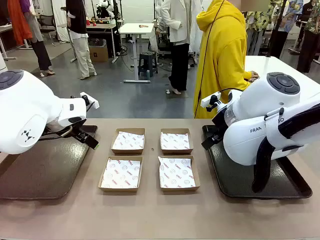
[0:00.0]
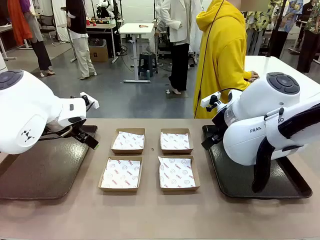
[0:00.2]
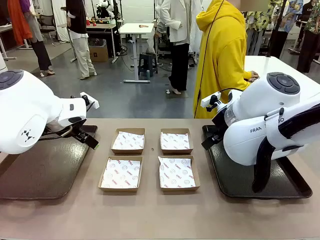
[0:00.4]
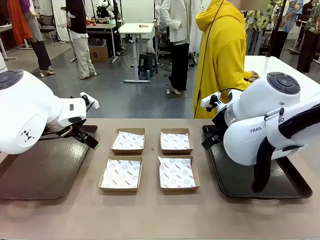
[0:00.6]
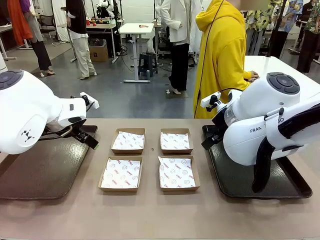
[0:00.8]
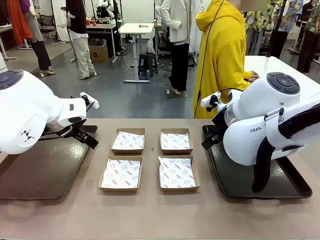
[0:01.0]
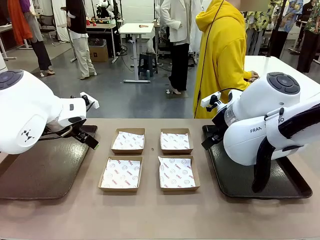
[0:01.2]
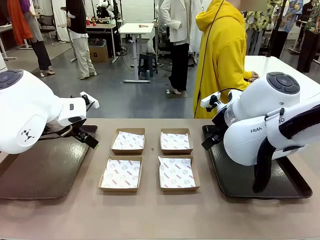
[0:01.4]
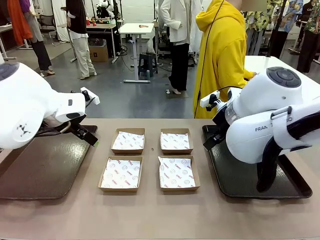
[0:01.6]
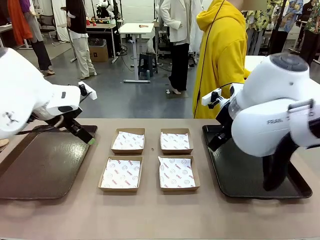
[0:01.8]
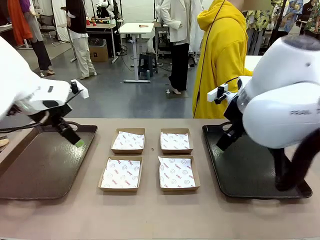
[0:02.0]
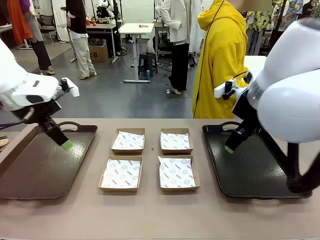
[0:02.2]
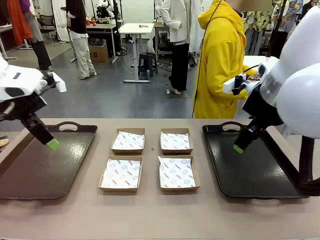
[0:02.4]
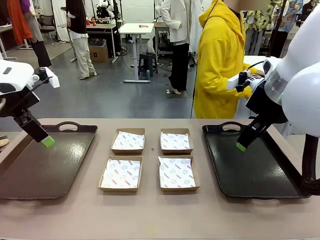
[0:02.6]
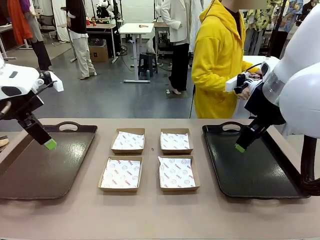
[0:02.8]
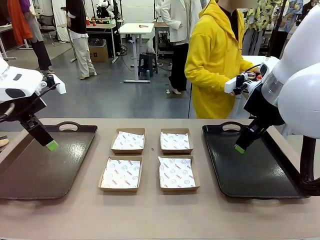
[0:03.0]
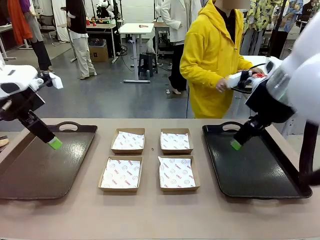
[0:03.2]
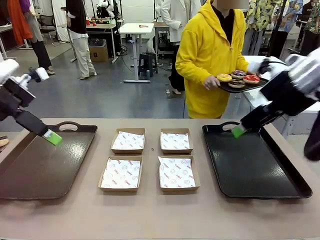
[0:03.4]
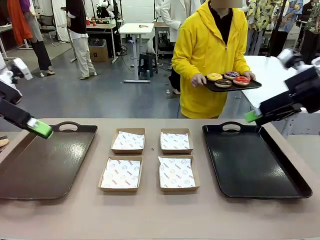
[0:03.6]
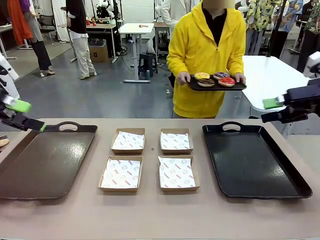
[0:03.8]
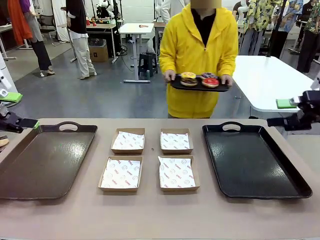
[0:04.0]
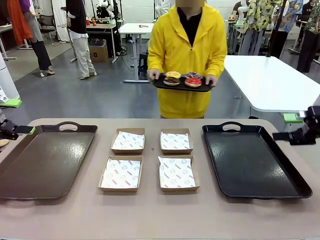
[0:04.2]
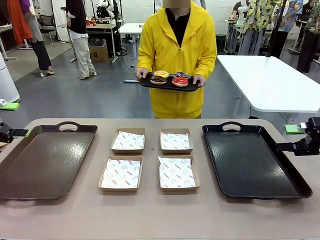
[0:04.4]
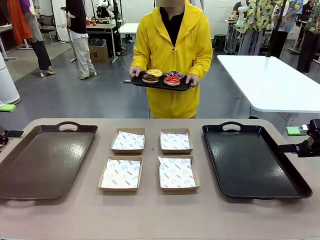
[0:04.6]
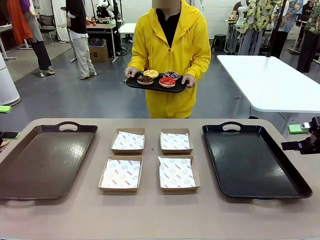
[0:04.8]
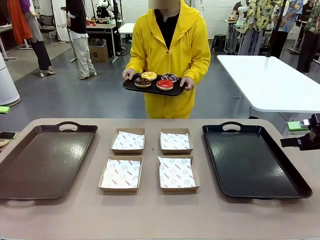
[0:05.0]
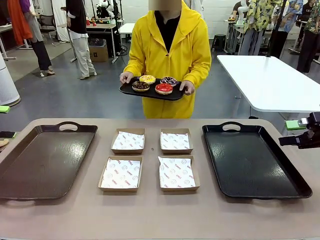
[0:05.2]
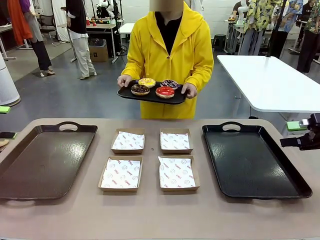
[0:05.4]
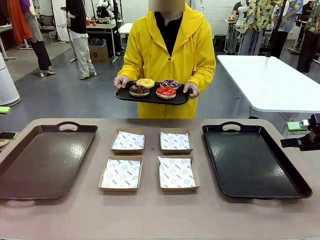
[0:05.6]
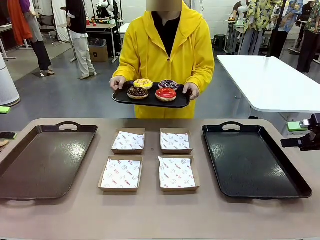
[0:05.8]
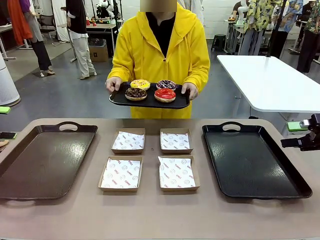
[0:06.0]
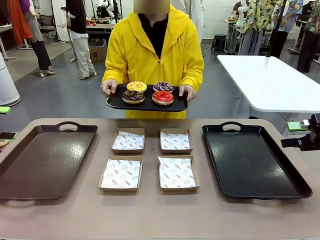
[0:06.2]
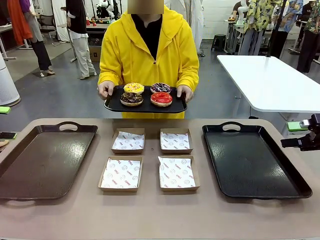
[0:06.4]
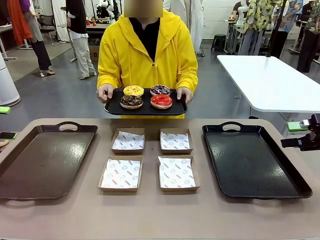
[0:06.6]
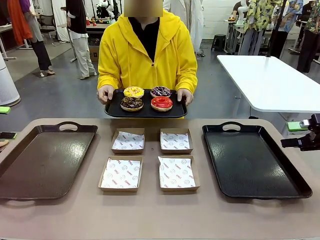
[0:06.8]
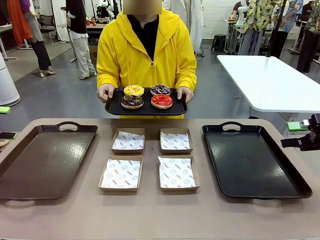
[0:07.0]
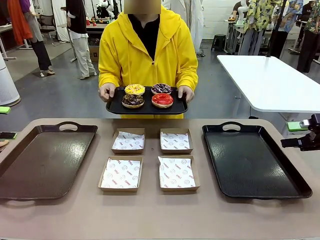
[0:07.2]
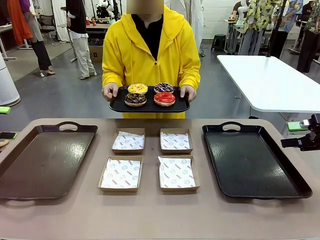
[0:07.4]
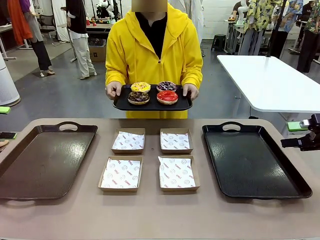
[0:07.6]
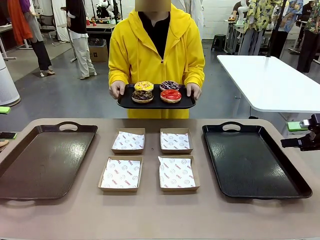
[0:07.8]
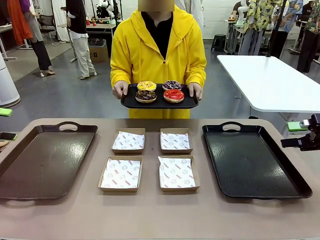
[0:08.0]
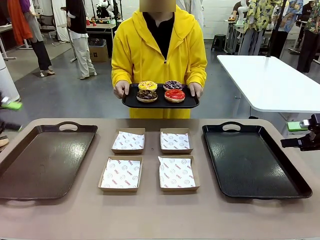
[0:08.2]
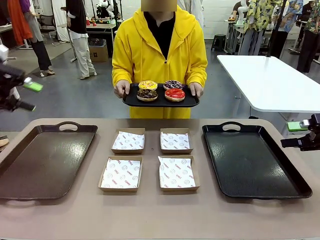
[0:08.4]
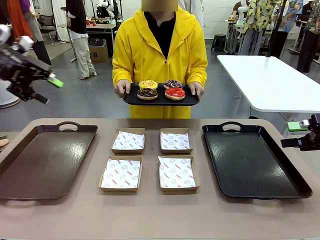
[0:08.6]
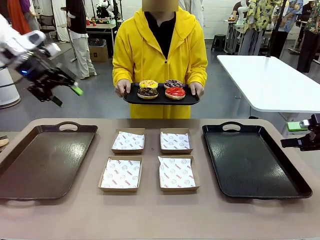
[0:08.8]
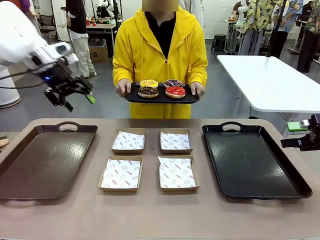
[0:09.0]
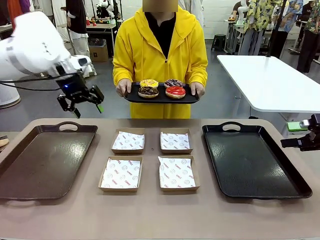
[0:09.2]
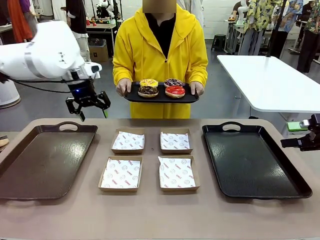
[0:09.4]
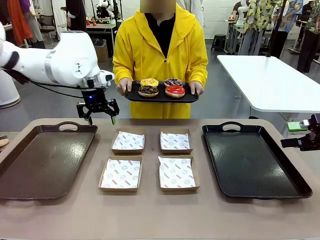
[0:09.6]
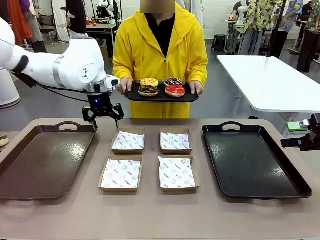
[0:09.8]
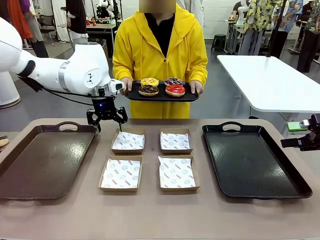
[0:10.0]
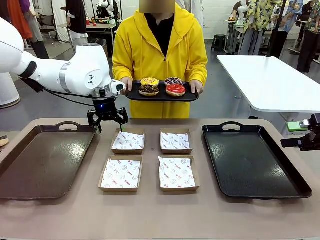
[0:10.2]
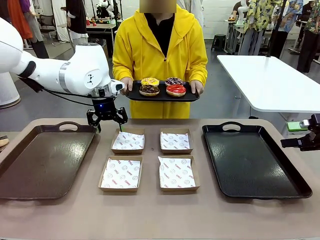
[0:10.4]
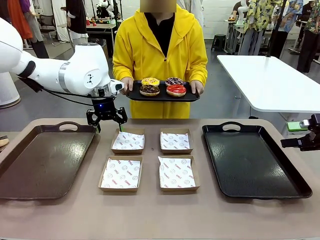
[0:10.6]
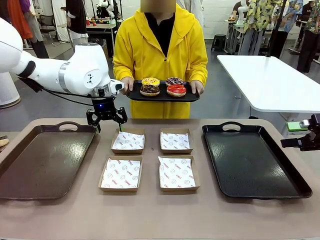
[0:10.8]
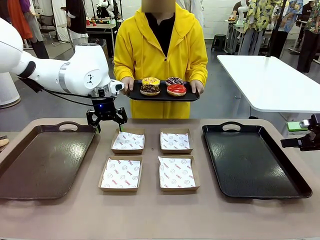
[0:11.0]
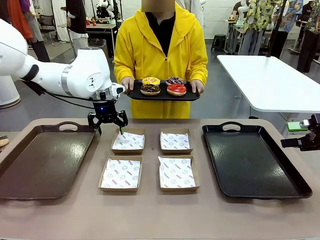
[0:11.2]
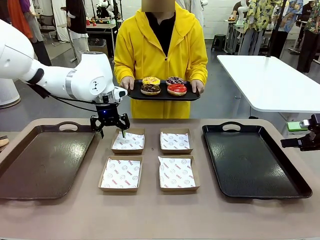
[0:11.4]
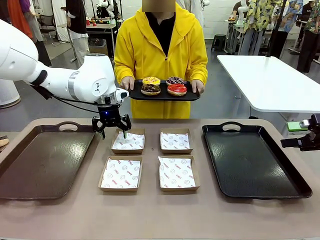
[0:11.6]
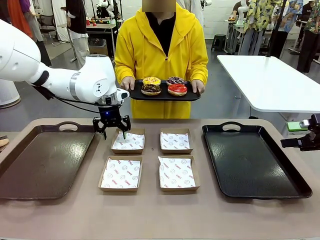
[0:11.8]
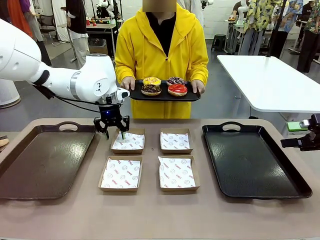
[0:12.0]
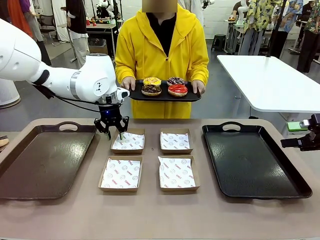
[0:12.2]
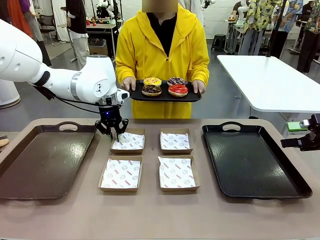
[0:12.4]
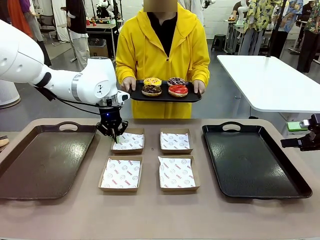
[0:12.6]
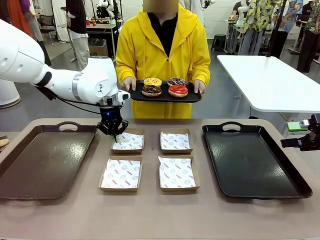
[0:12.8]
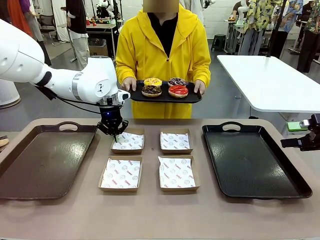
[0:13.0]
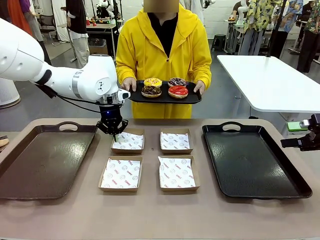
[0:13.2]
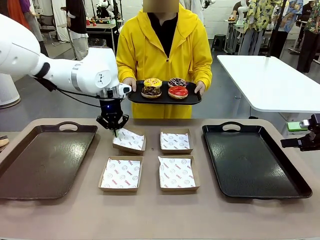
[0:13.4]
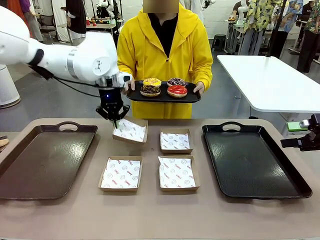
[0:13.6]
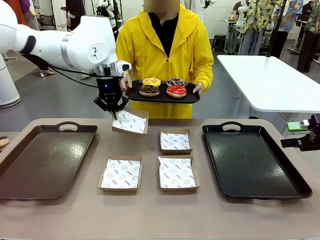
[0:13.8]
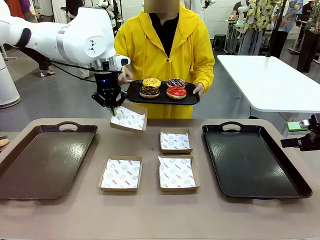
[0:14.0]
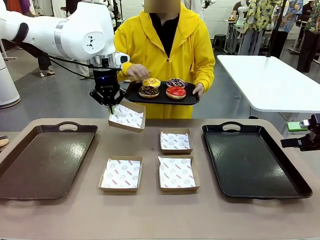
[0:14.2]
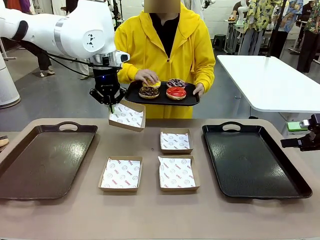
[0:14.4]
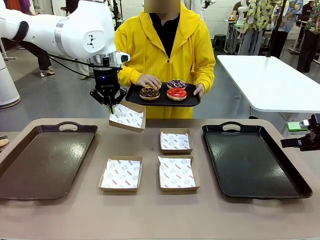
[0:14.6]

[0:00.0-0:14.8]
Task: Individually package the donuts and arrange them on the tray.
Robot: Pick up one Paper togo box.
Person: Stand in front of the robot table holding the tray containing the donuts.

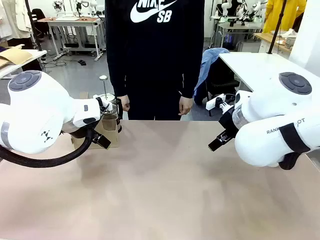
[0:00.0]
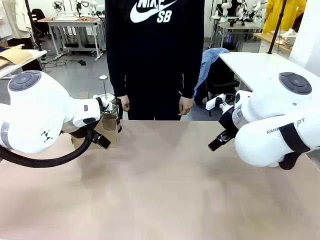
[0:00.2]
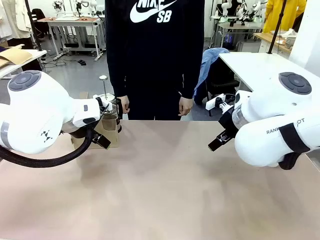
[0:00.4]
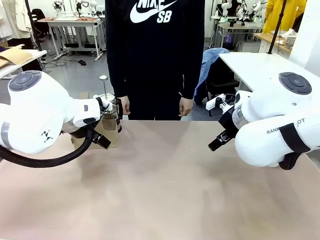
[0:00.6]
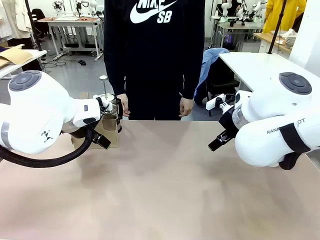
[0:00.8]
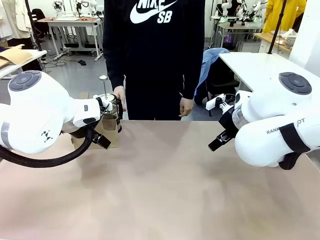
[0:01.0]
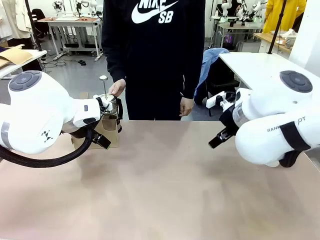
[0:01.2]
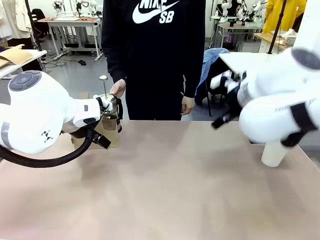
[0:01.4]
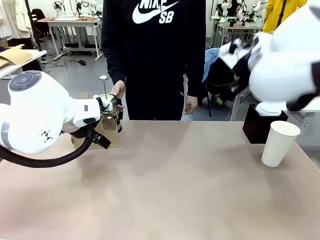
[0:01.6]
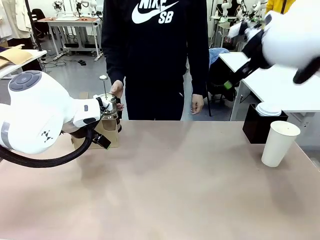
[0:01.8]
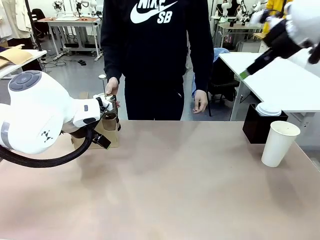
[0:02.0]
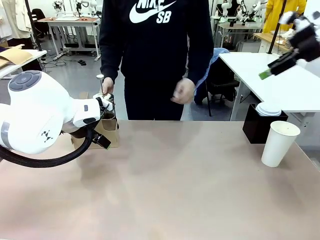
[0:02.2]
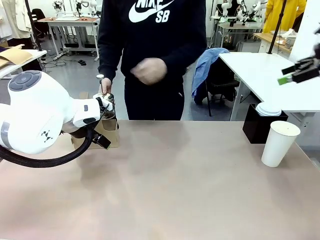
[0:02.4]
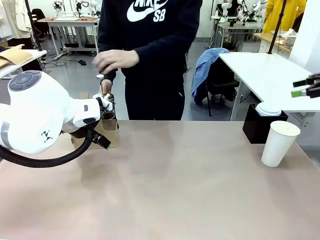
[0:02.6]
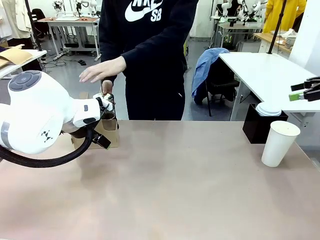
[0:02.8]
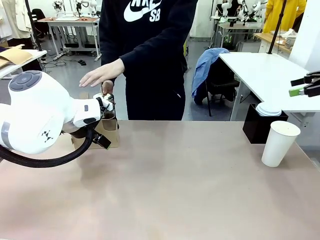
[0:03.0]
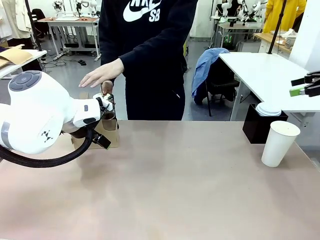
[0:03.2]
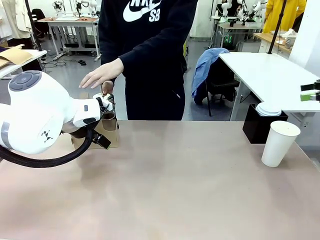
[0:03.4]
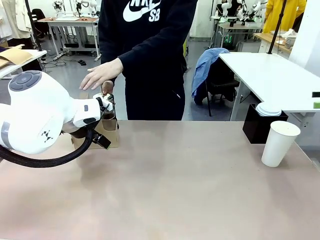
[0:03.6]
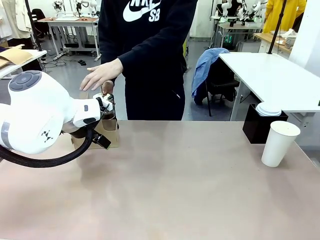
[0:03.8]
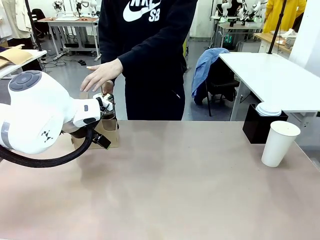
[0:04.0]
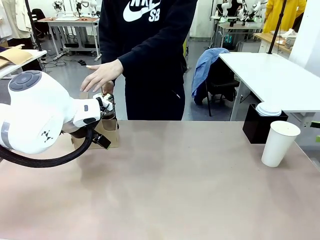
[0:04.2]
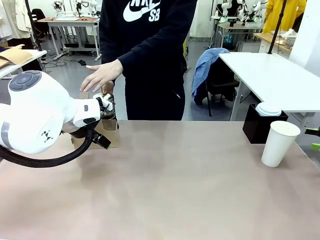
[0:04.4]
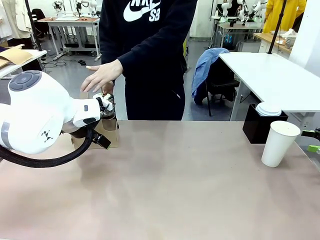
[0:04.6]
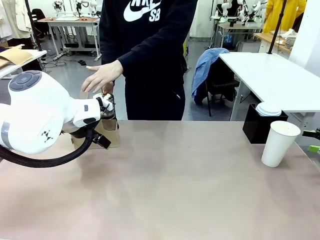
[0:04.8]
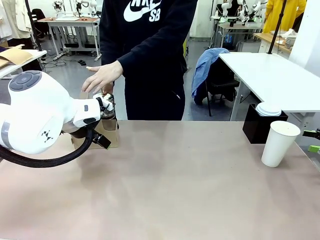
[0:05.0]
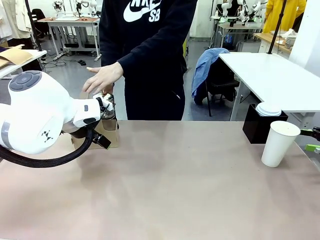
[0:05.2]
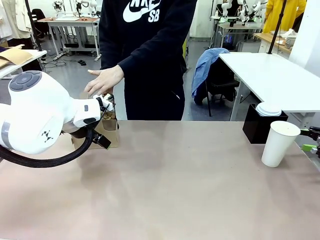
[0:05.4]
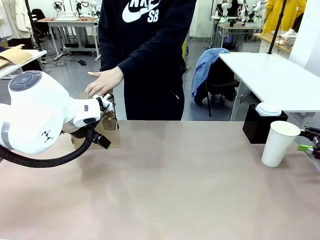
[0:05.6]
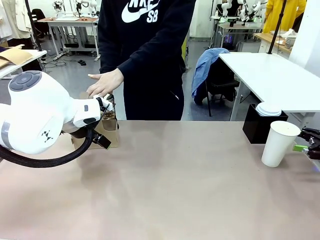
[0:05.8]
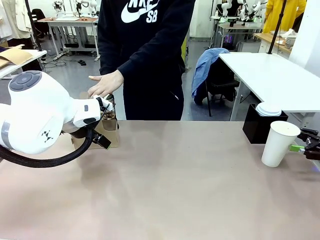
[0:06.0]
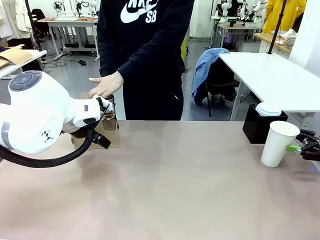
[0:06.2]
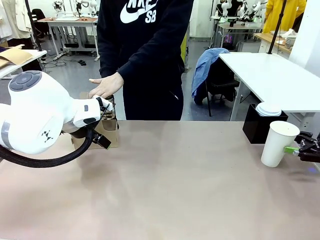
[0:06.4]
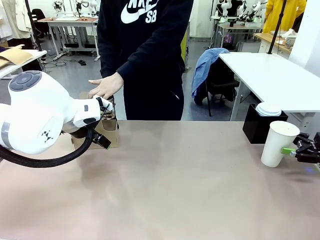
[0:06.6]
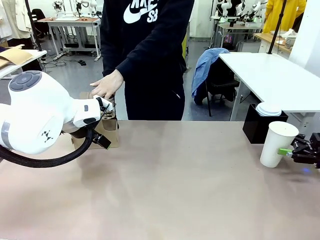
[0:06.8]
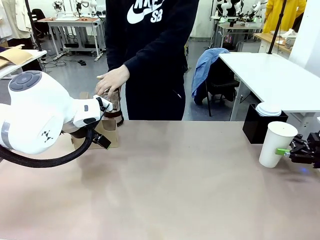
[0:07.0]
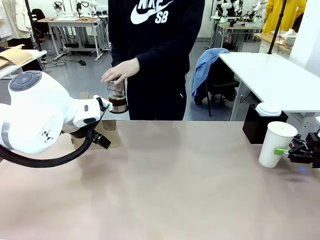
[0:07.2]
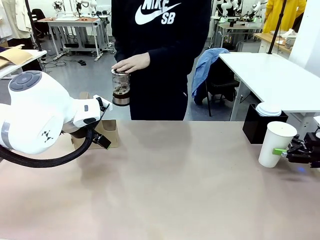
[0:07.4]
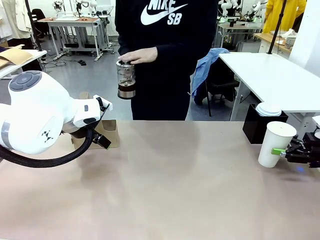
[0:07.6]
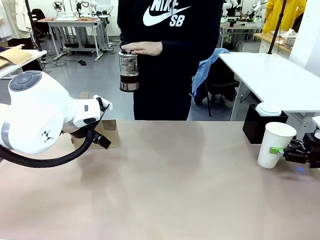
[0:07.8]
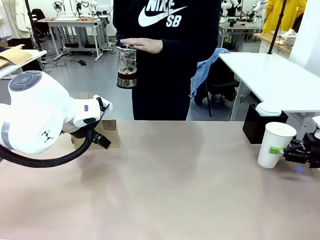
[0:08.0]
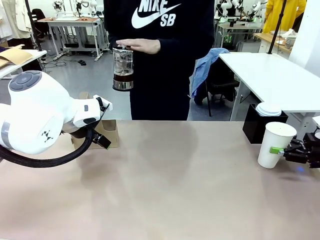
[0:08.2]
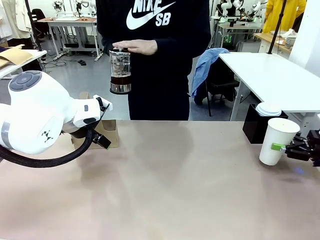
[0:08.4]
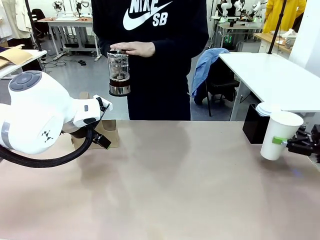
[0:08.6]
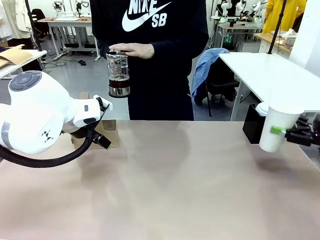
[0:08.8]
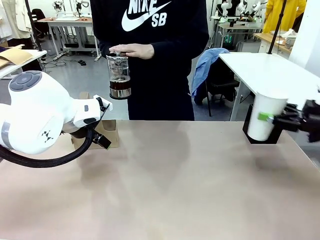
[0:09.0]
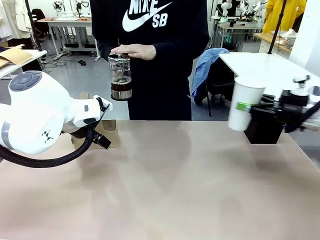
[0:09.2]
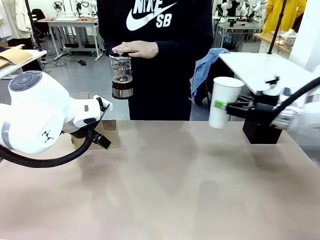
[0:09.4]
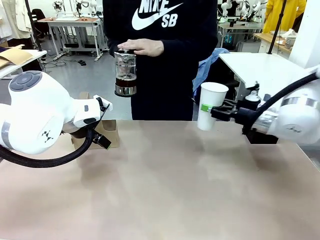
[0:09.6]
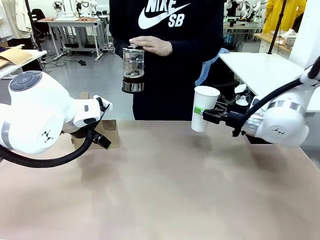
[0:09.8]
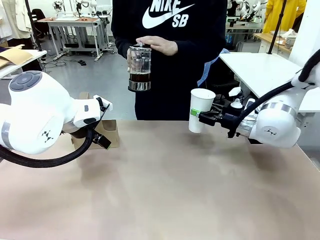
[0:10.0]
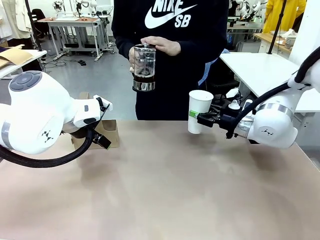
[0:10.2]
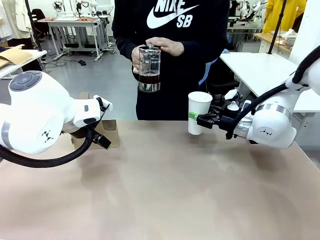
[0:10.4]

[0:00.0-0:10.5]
Task: Pour a drink into a cup and package it in a carrier.
Robot: Pick up the 600 ml Paper Cup and place it in the middle top area of the table.
Person: Press and pick up the Filter Brewing.
